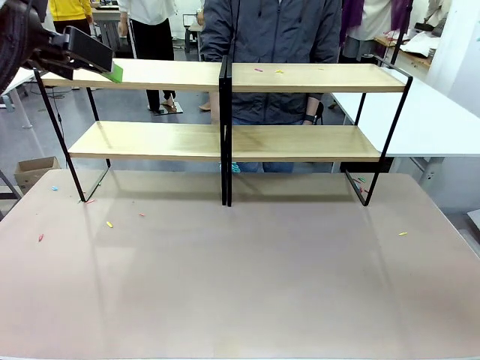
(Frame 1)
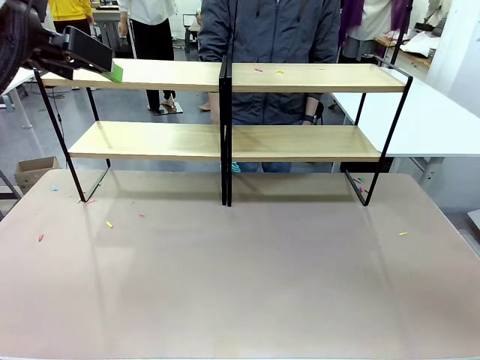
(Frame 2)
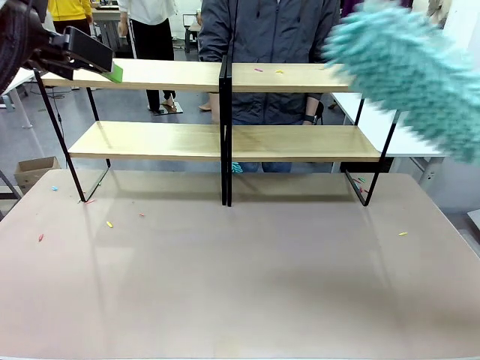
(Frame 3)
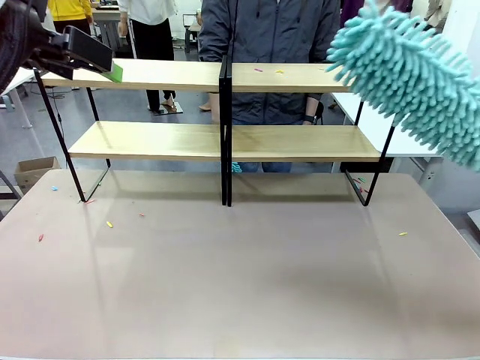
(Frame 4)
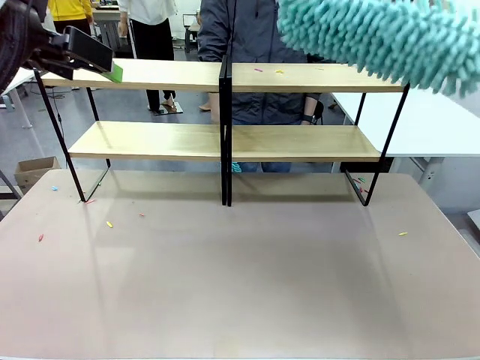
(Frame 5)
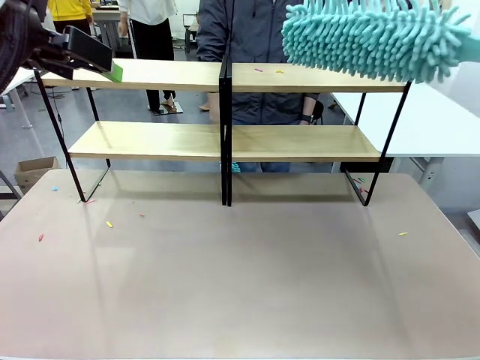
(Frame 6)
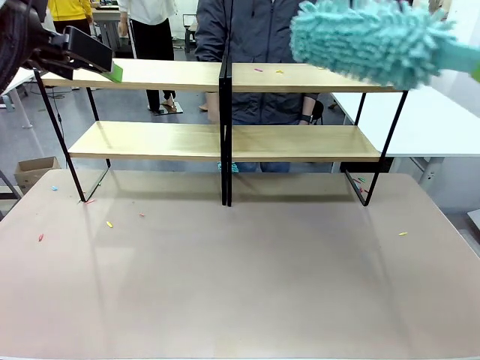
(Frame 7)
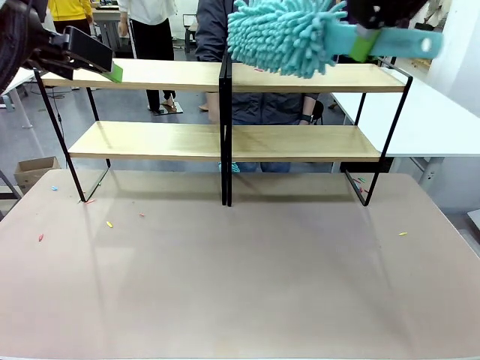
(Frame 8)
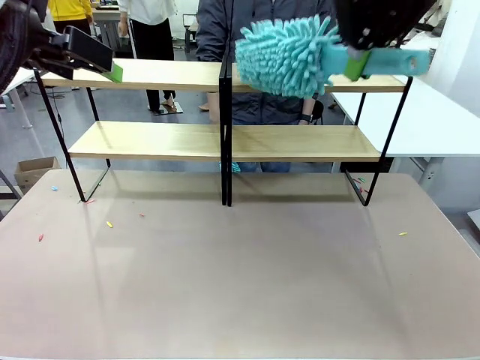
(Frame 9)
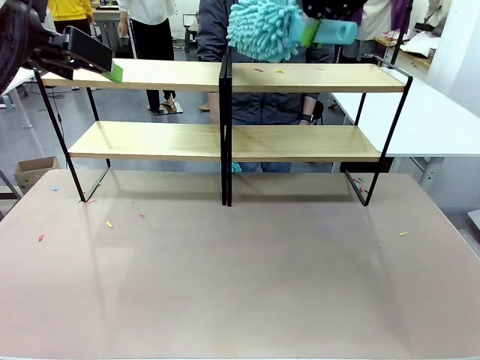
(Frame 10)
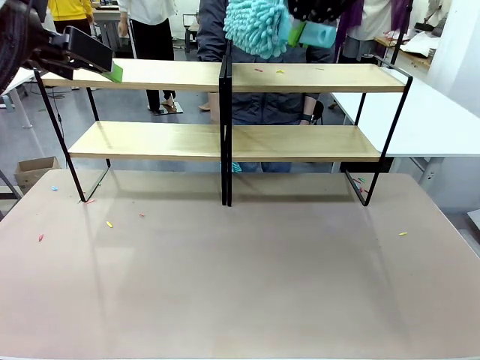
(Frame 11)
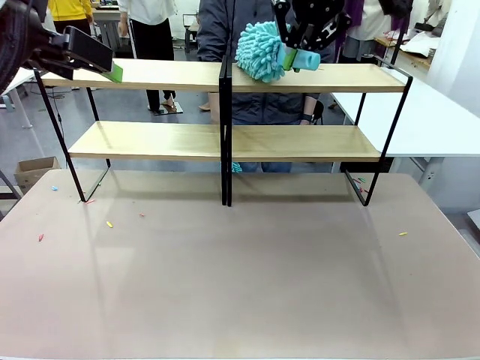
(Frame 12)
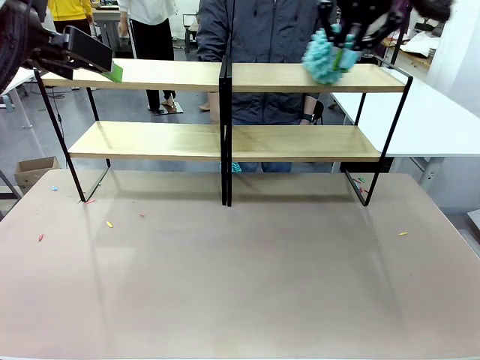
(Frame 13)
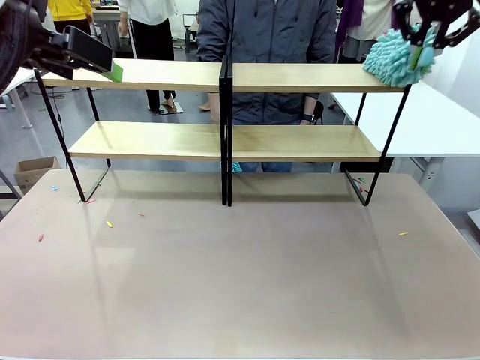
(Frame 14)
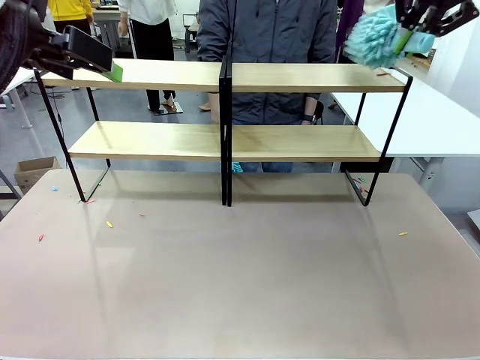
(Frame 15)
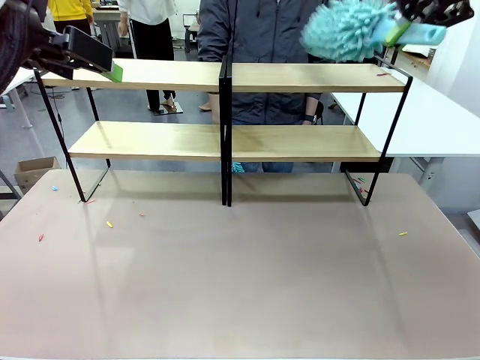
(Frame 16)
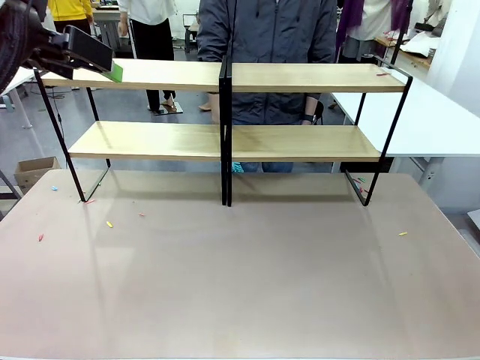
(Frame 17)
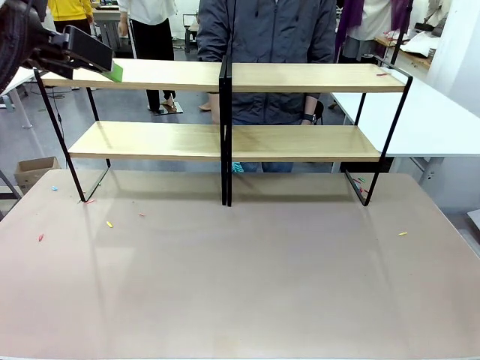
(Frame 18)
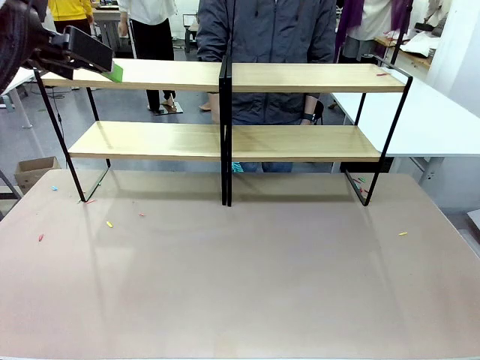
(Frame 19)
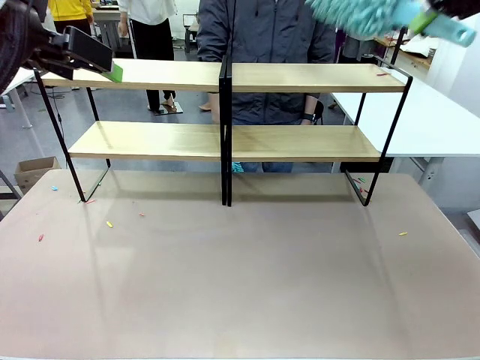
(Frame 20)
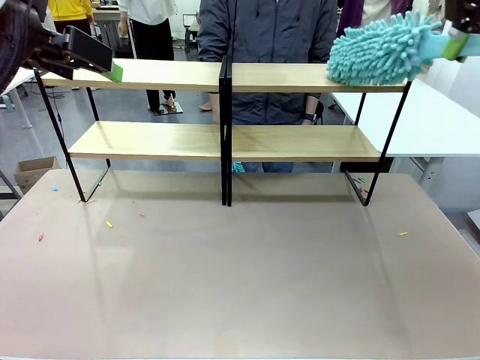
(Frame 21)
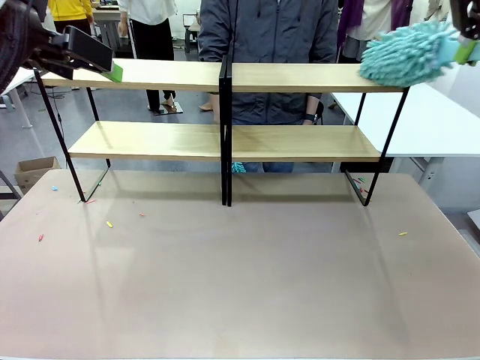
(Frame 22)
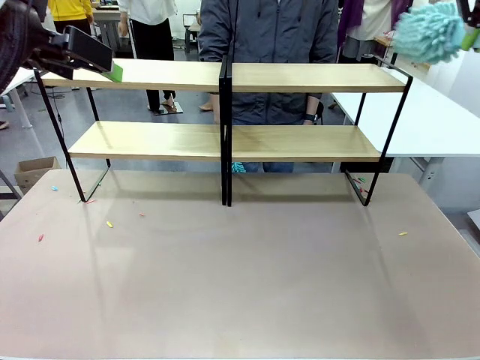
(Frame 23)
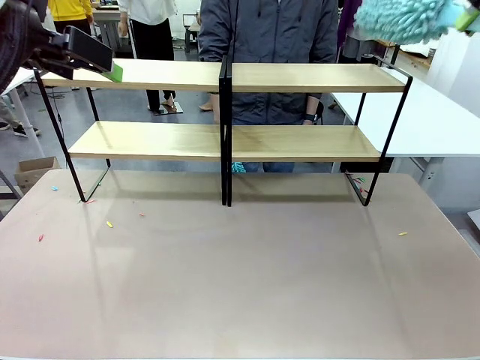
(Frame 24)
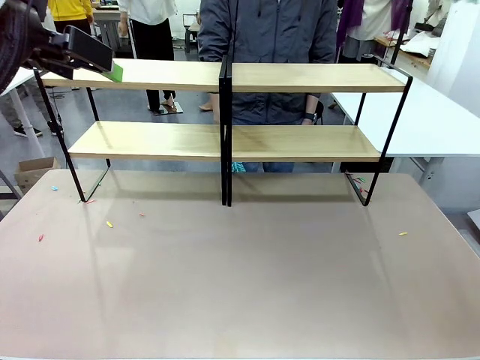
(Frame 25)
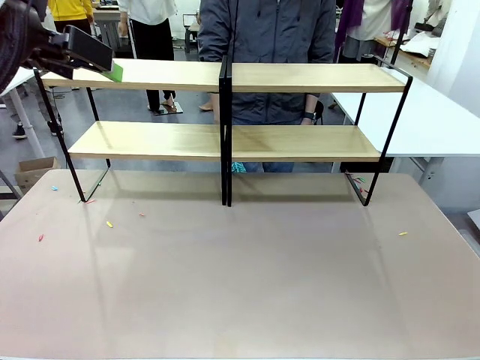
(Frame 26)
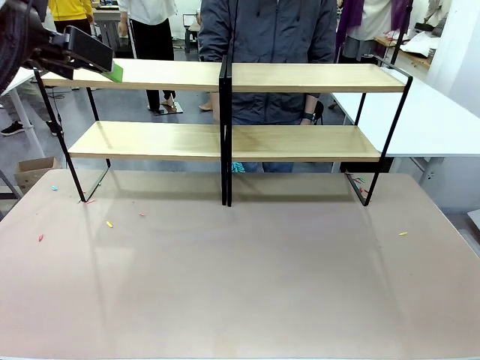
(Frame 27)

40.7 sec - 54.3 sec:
Task: Clean the shelves.
Robot: Clean another randomly selected level of the Shelf with the Duster.

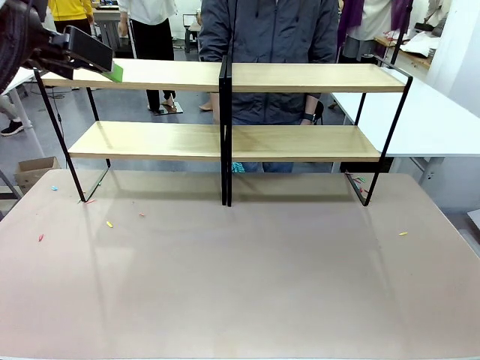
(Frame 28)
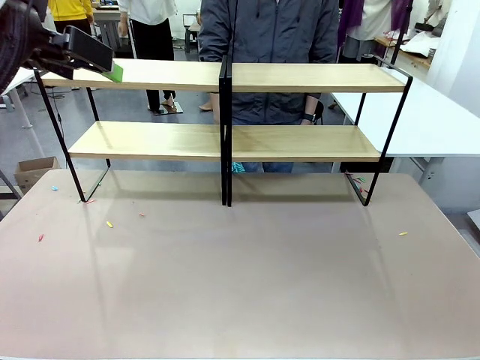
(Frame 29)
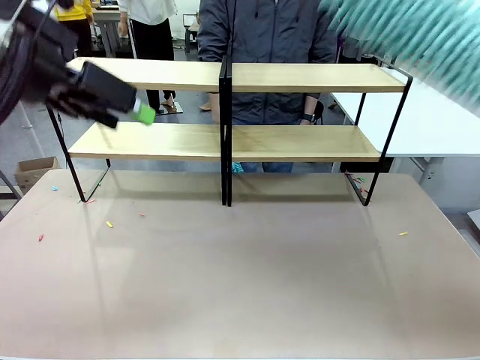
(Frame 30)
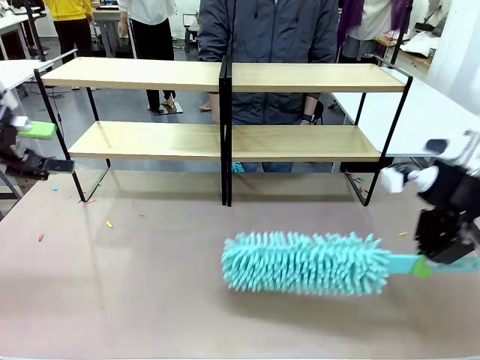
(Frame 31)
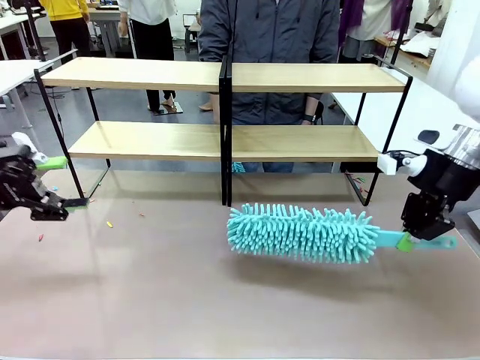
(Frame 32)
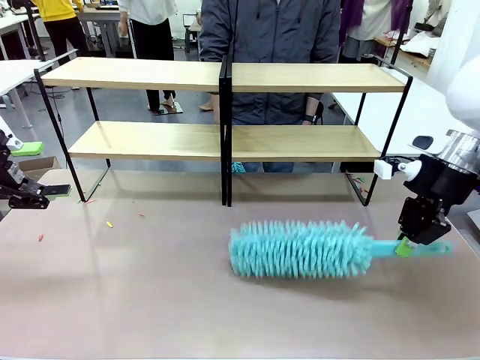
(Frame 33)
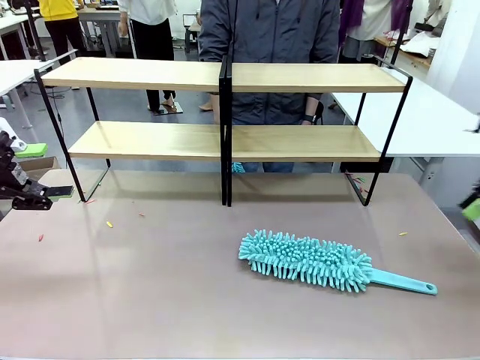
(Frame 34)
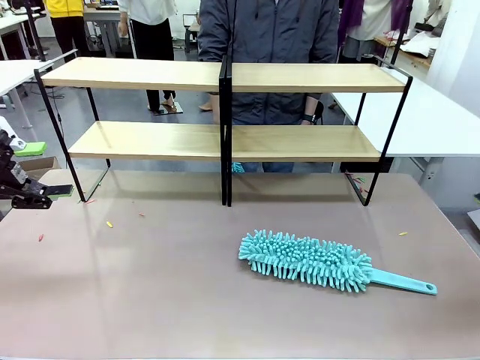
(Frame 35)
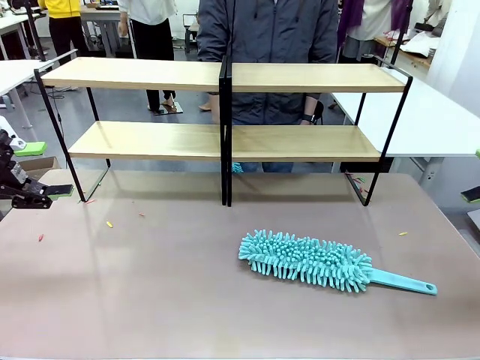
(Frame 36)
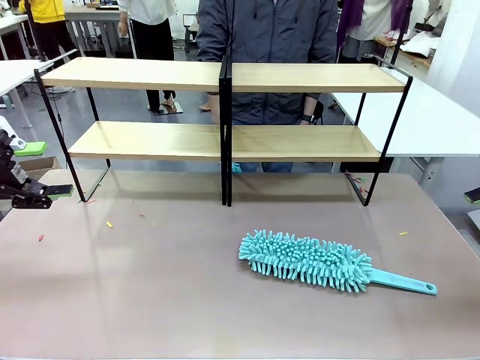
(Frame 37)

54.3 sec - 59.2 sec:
Robot: Place the Duster on the table.

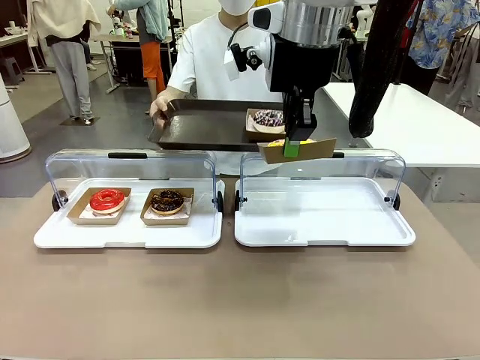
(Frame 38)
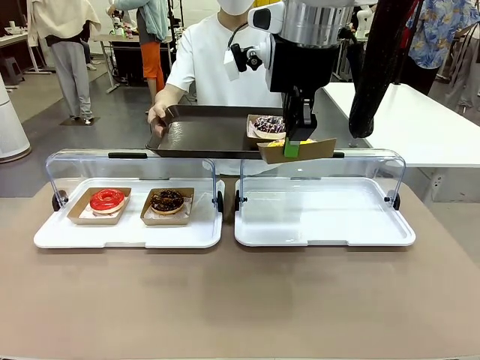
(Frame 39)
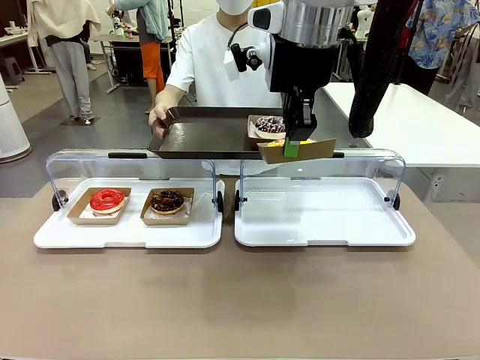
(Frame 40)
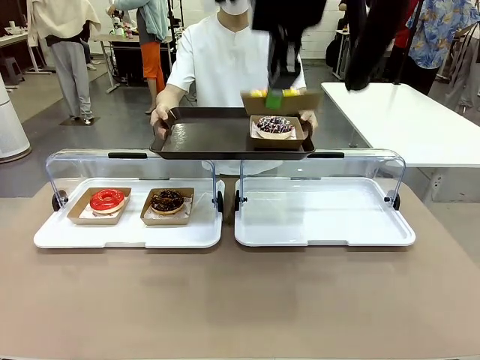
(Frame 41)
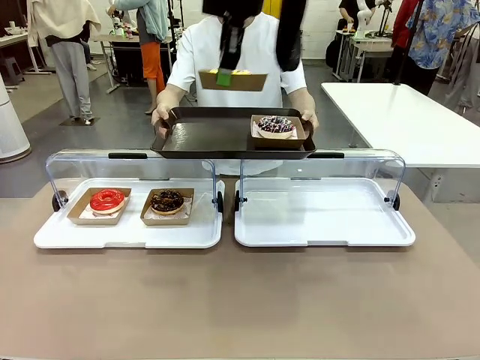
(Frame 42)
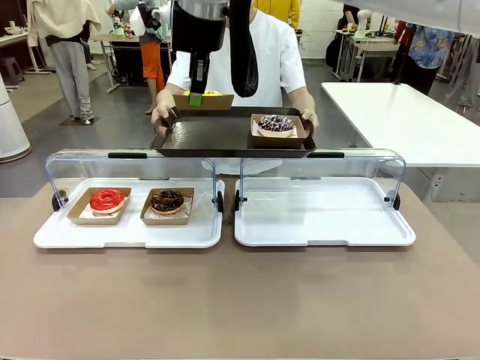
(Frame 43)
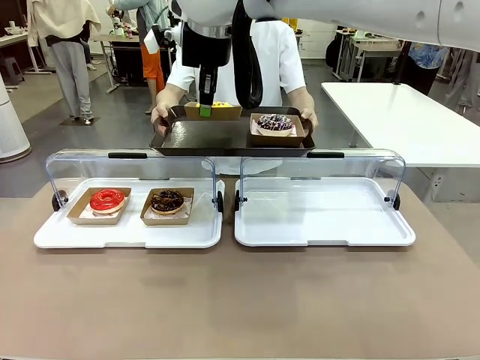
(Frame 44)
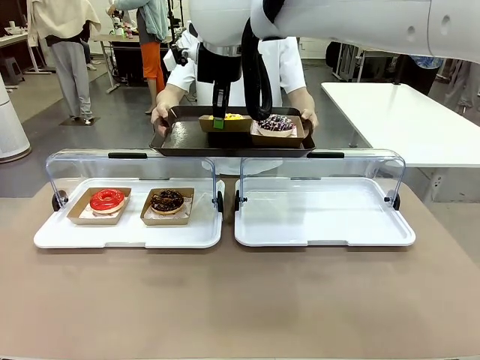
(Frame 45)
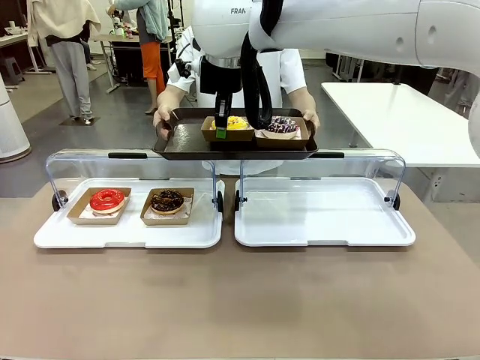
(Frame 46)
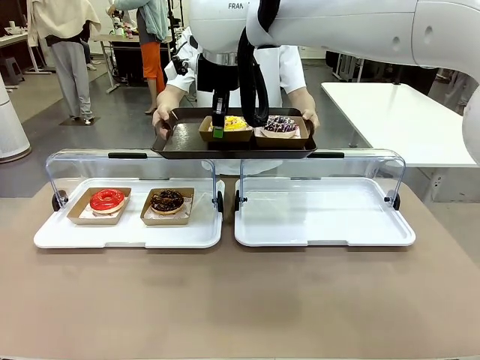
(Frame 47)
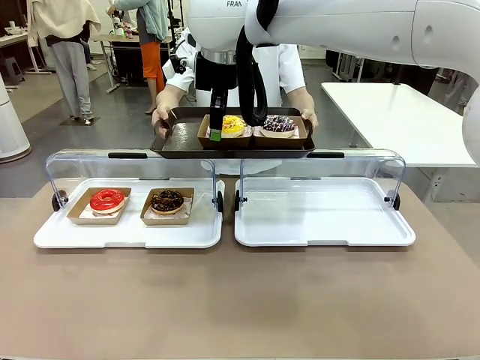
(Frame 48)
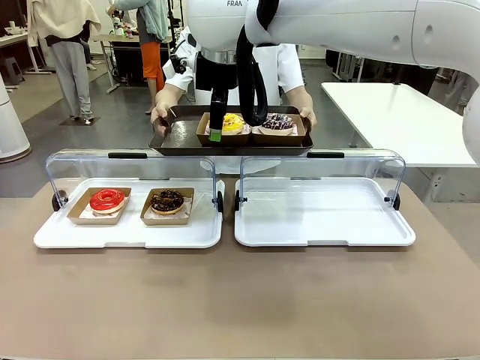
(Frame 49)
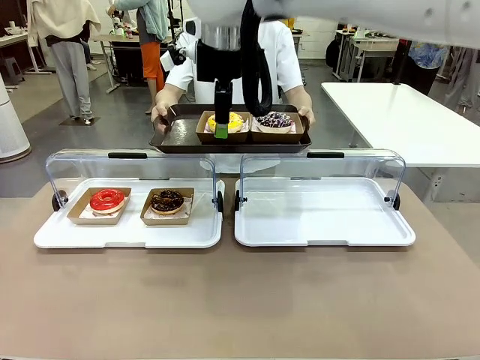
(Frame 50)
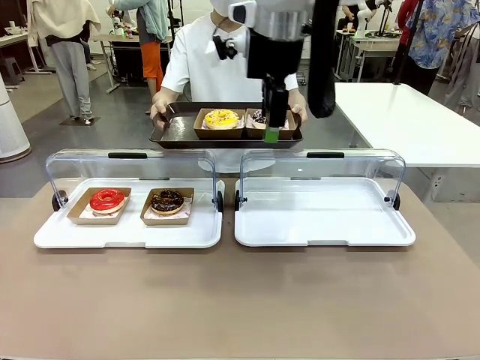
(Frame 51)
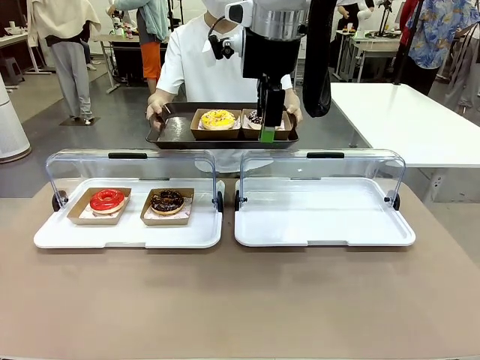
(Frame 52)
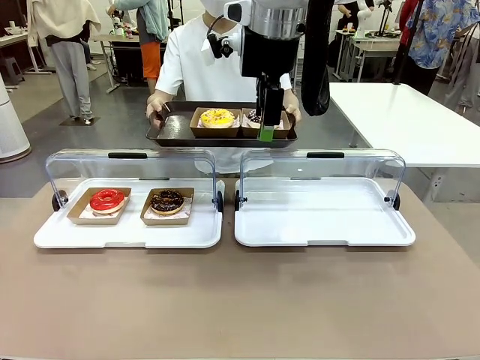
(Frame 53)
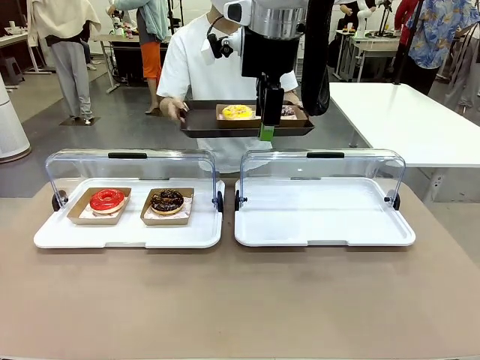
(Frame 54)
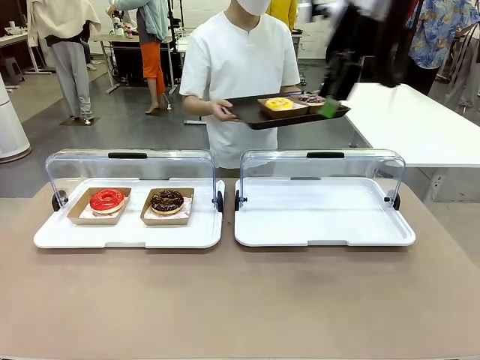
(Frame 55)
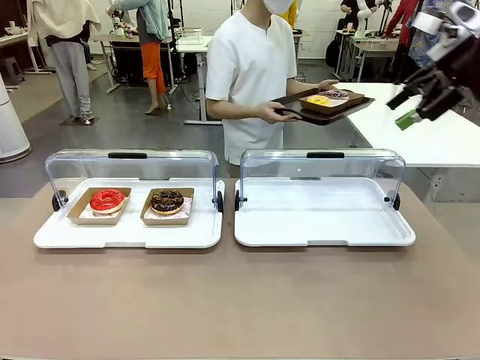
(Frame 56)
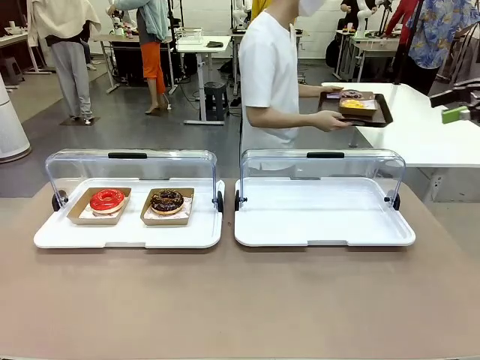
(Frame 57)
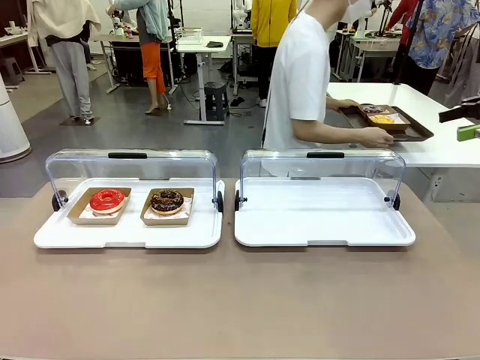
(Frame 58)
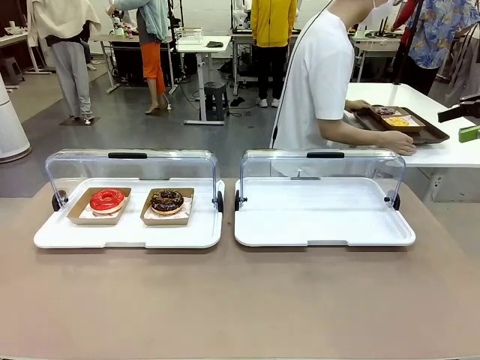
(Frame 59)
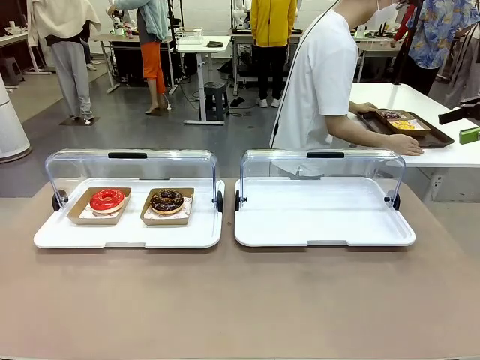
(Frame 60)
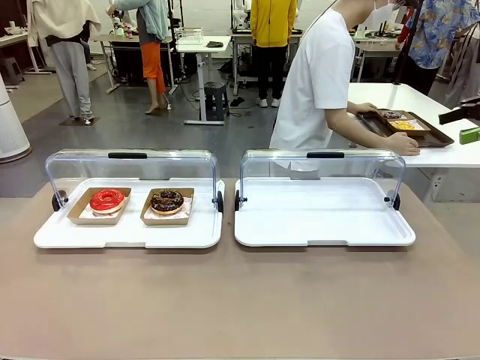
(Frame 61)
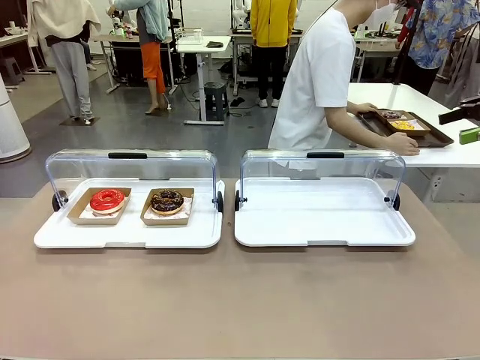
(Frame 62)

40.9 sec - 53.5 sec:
Task: Provide the desired donut to the person.
Robot: Place the picked Paper togo box onto the Handle tray extended by the person.
Person: Place the tray in the middle of the human table.
